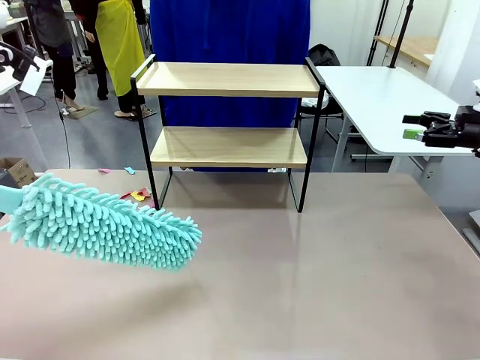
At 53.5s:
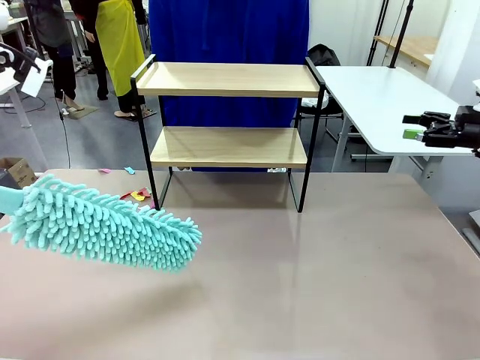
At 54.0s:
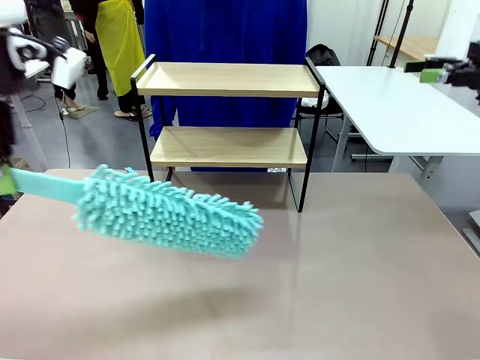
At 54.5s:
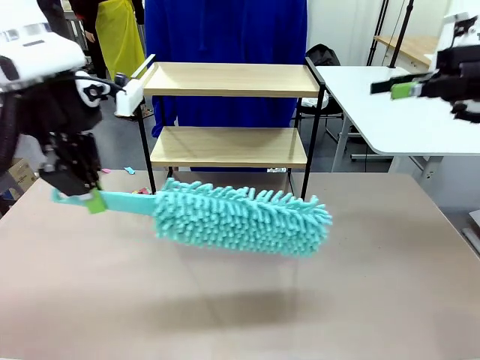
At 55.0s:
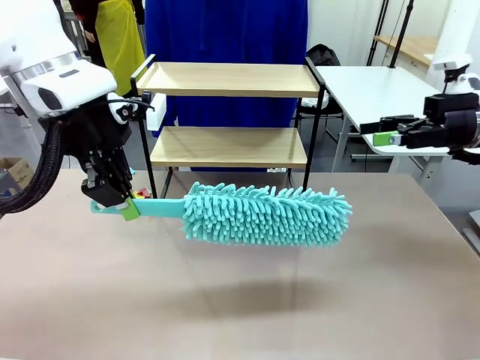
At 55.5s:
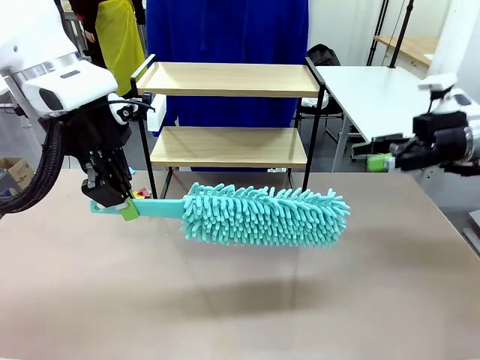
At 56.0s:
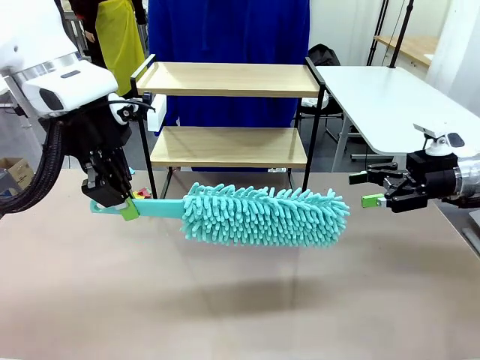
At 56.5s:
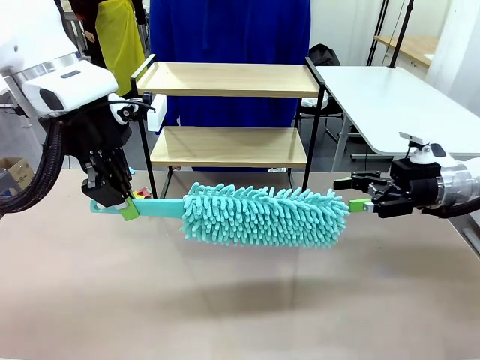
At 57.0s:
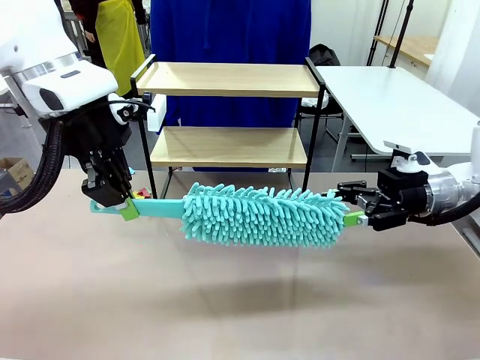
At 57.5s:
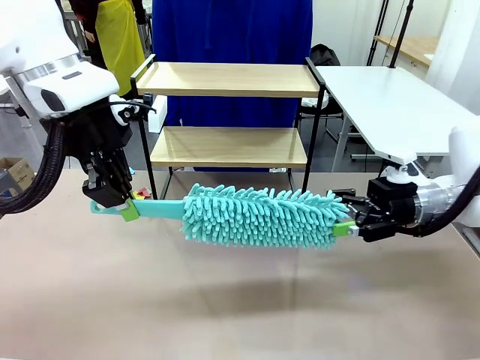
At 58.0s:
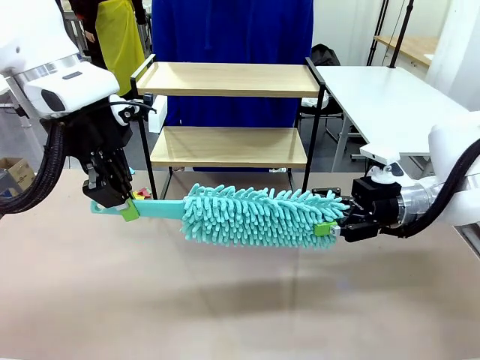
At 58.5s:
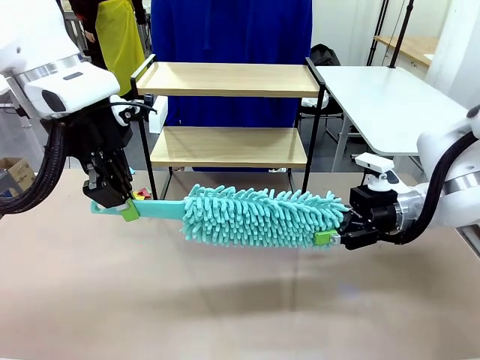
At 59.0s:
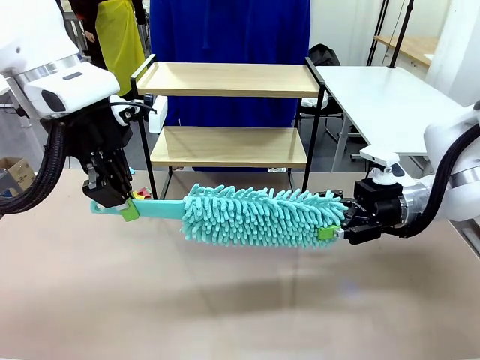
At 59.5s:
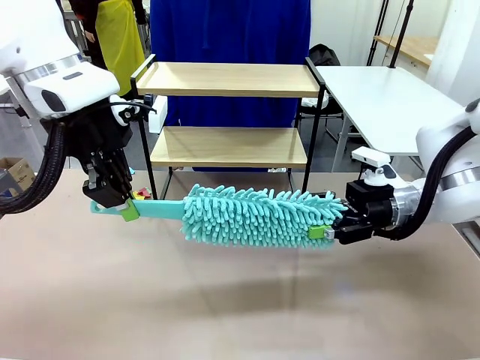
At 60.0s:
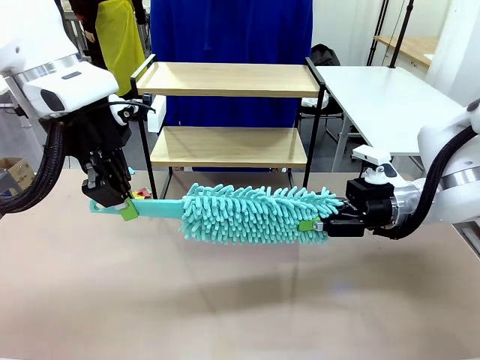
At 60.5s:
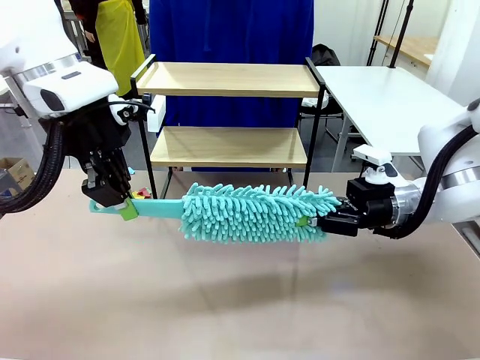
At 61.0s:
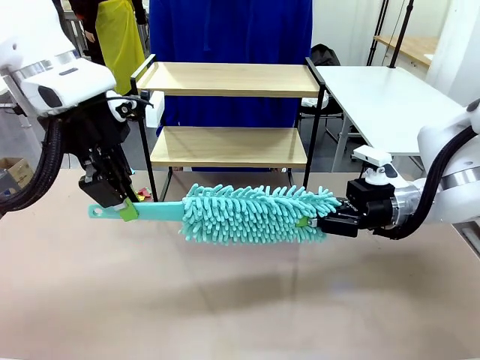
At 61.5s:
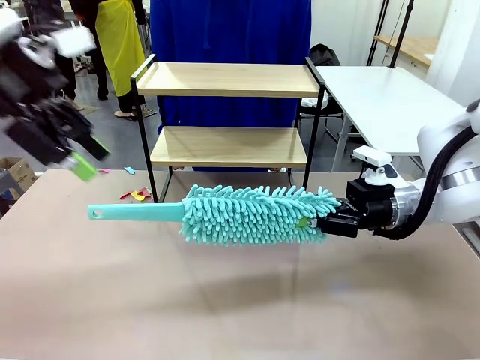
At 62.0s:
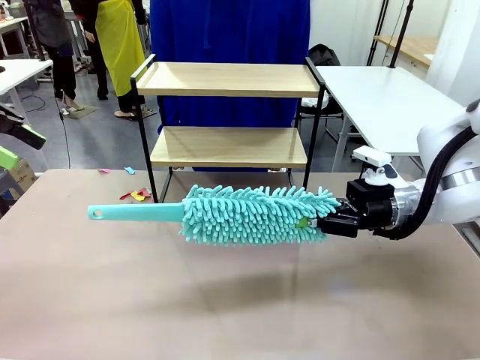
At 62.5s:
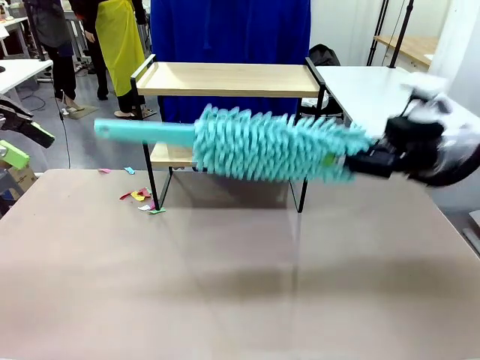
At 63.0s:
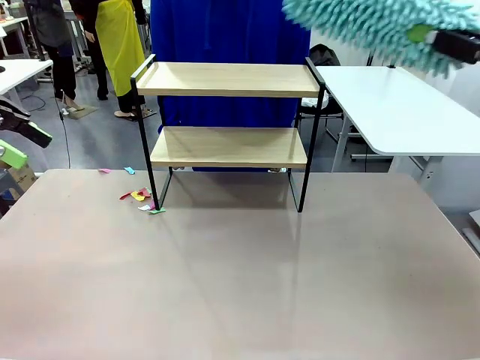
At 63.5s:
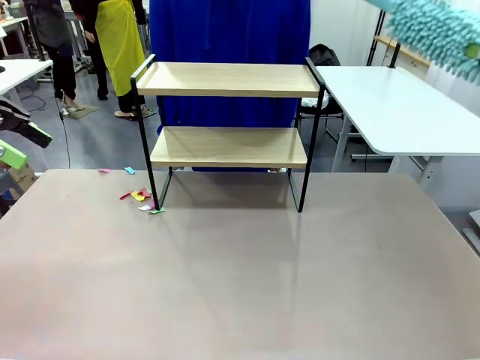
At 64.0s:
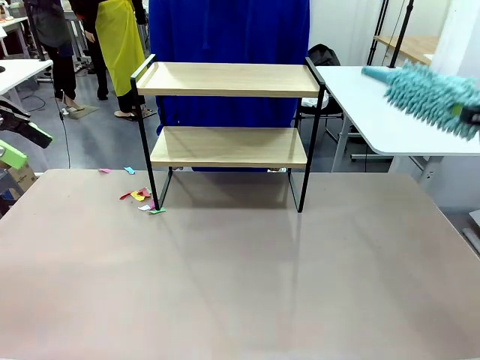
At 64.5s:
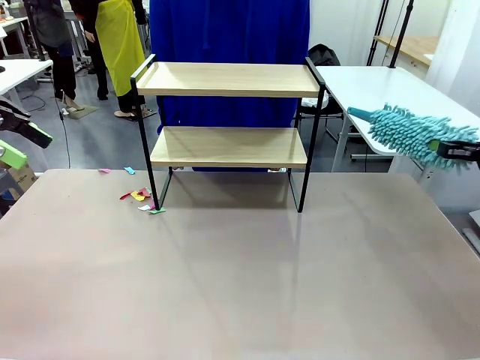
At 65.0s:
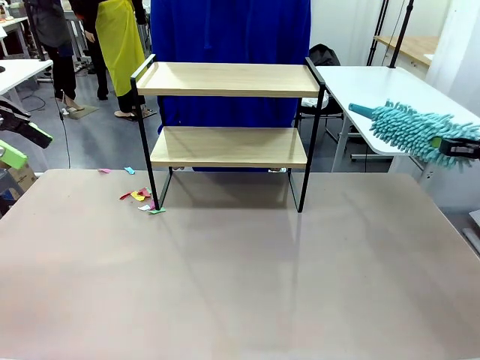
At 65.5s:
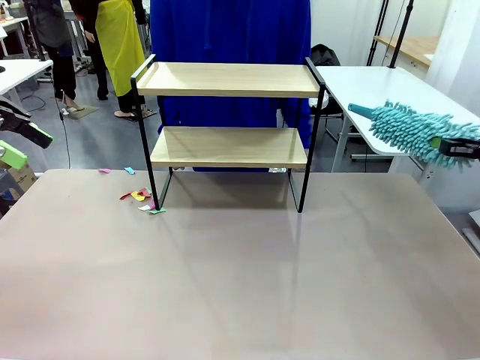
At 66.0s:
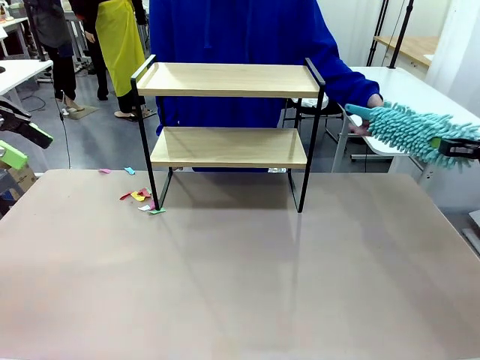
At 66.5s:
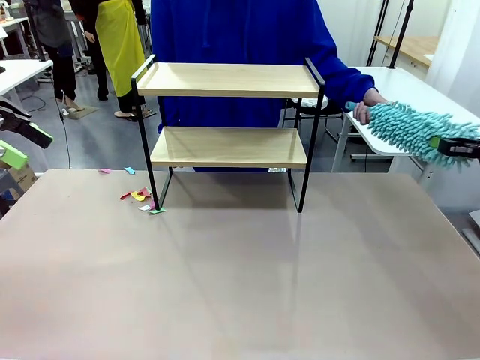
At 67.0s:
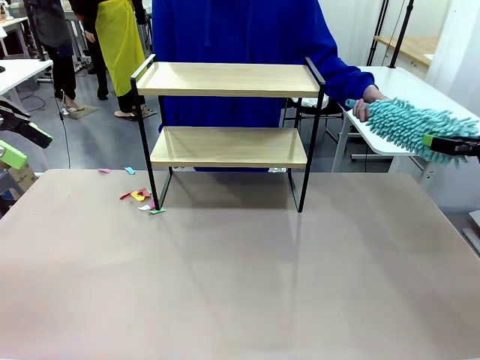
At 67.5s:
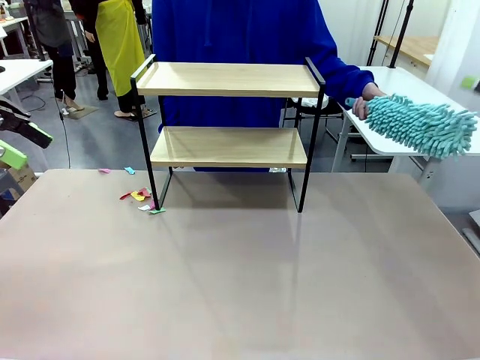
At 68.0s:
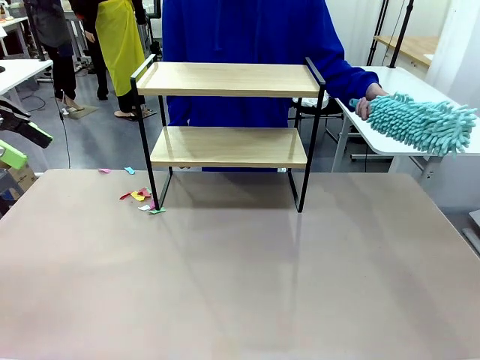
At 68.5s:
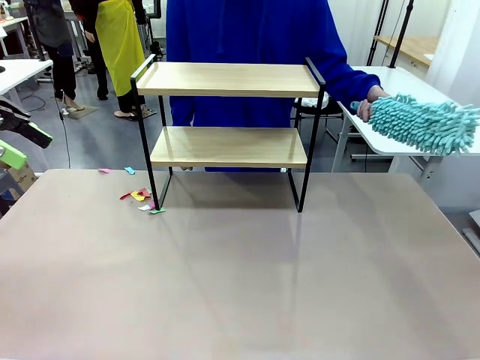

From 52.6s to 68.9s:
Task: Clean the shelf.
Robot: Hand the Duster back to the human.
Person: Receive the Duster from the robot.

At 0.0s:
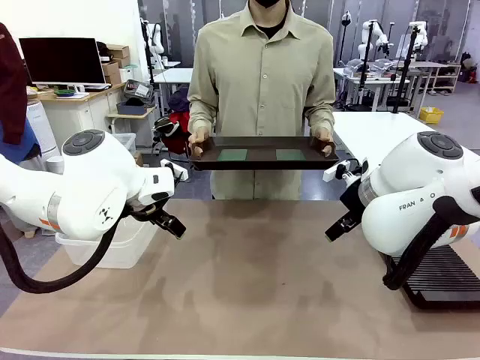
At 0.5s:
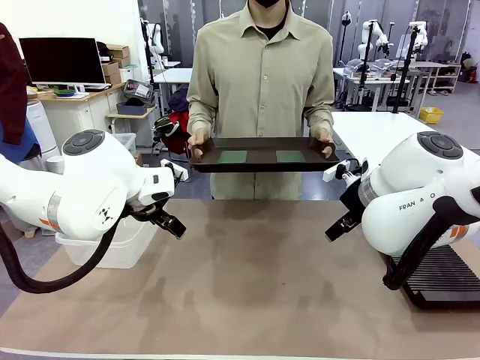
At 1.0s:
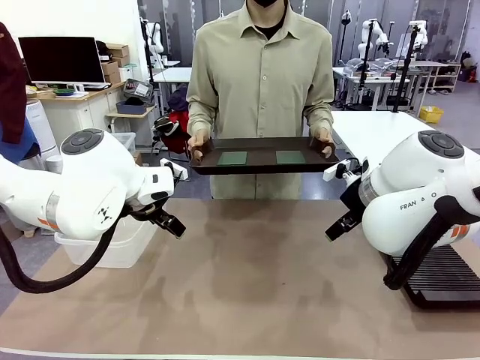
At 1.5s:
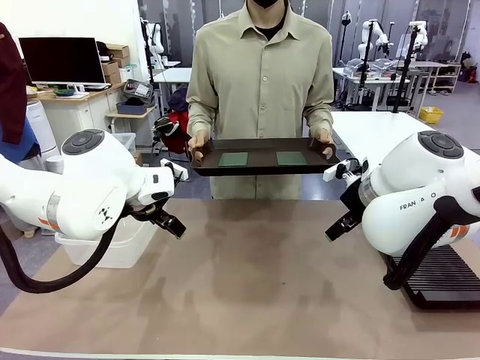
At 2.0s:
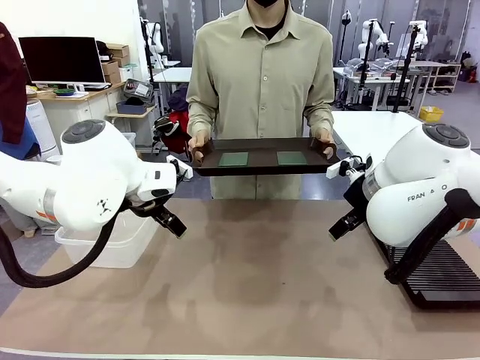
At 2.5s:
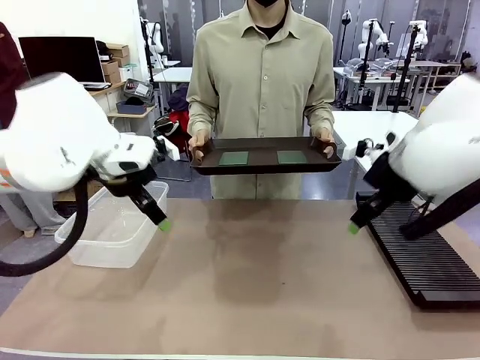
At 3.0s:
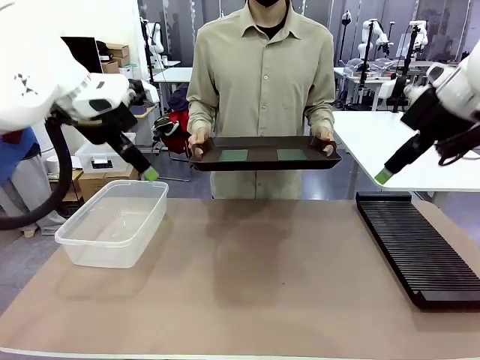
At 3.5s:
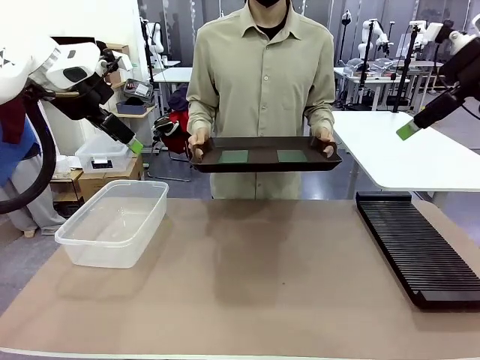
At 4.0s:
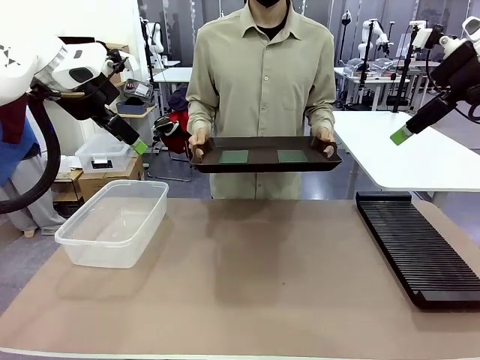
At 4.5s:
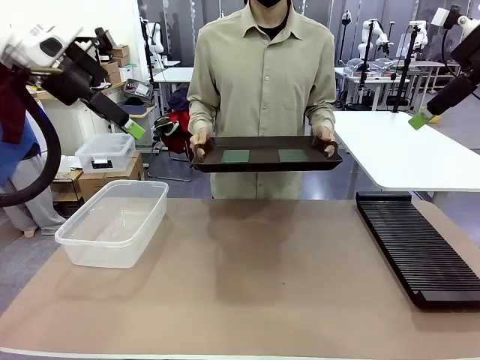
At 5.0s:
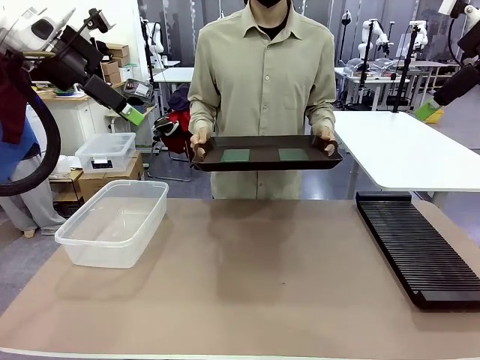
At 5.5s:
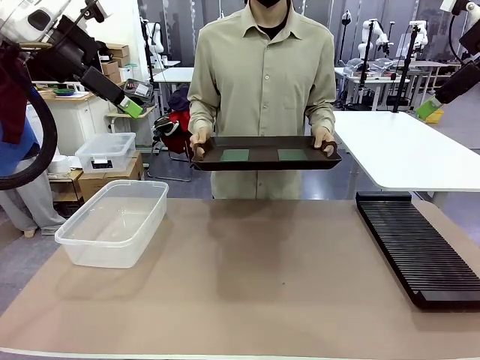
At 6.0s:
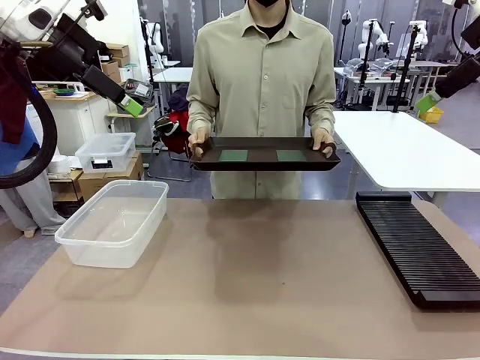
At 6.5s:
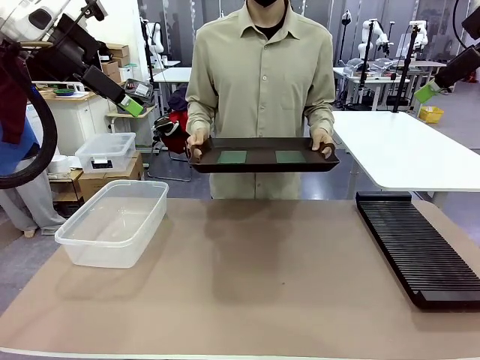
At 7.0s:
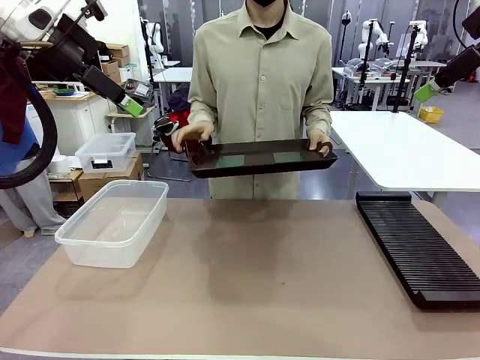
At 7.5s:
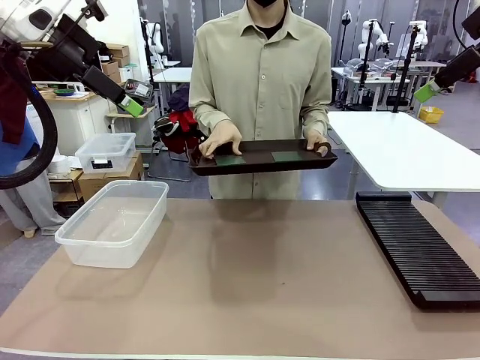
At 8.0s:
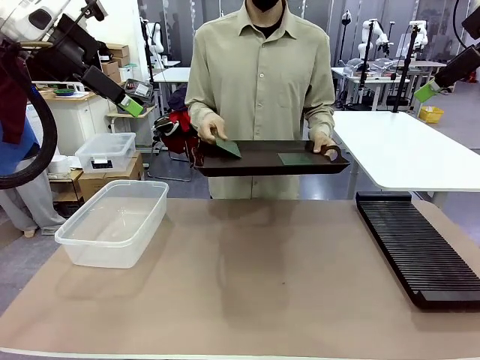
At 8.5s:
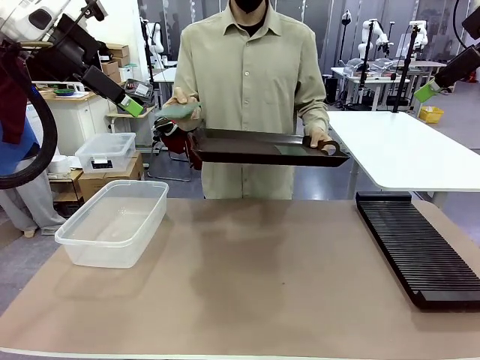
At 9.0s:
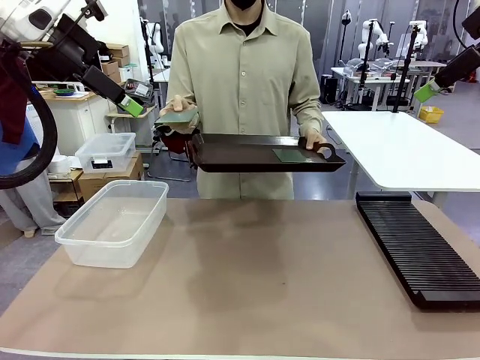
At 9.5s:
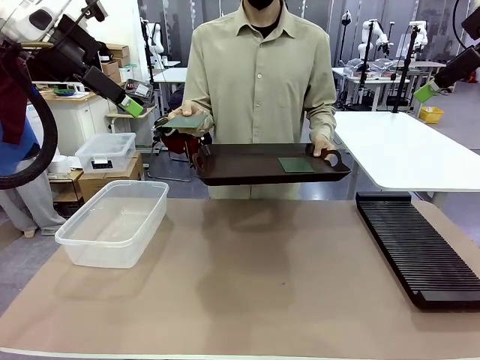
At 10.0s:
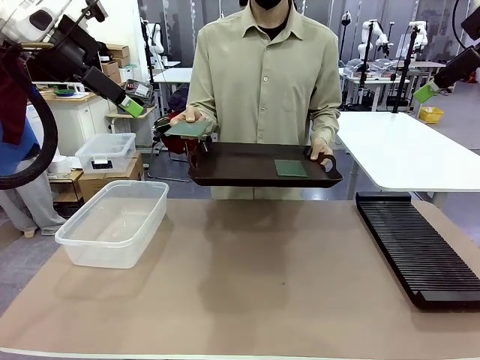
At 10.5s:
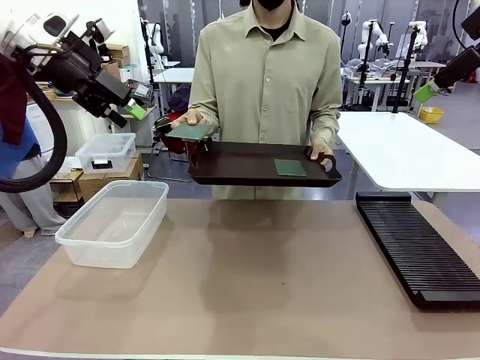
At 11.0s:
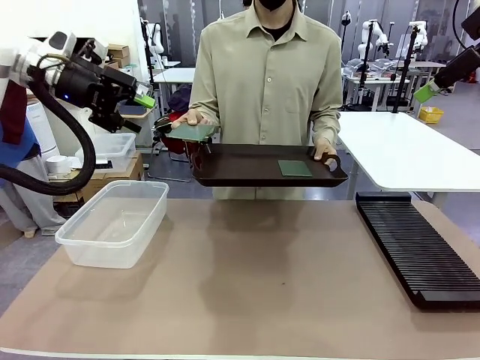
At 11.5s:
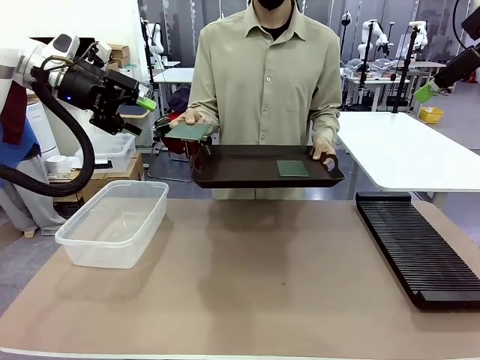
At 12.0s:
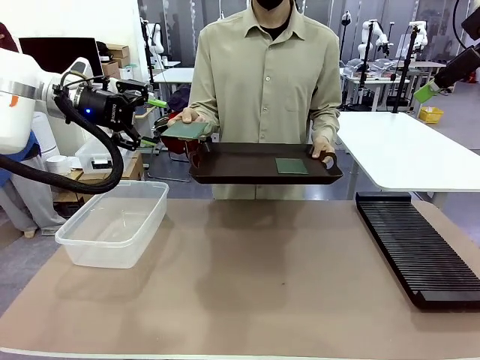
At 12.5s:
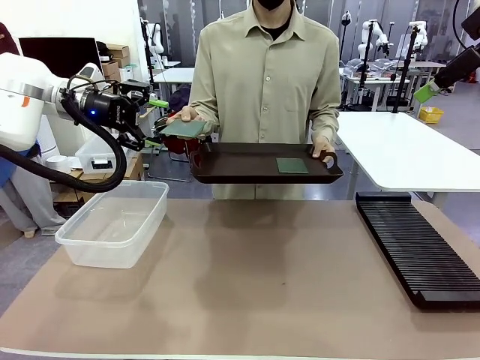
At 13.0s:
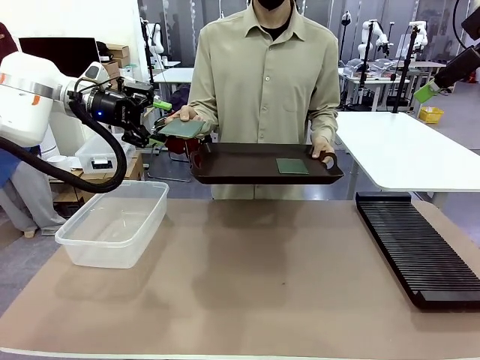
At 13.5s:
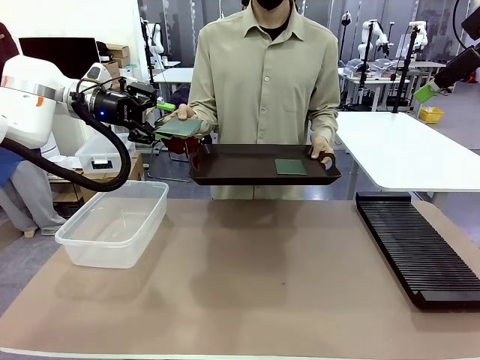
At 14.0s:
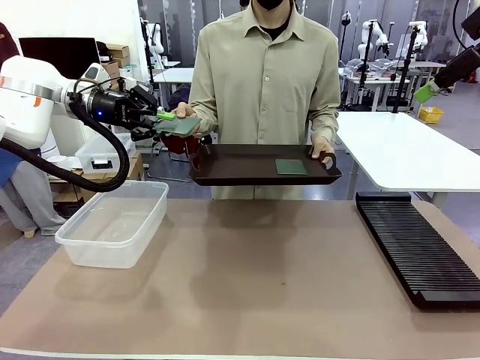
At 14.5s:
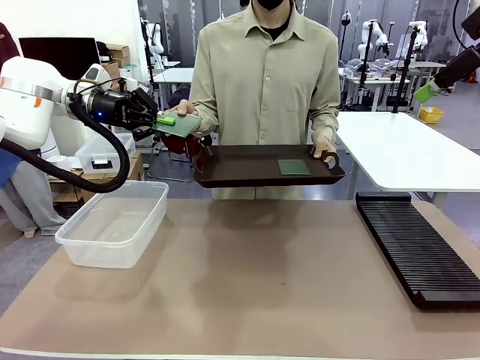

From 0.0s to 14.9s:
Task: Sort PCBs into racks and boxes based on the side picked up.
Robot: Pick up the Blank PCB handed by the Human.
Person: Pick one PCB from the tray and present it to the robot. Release the PCB being held.
